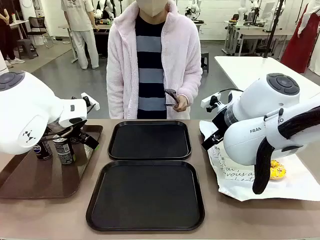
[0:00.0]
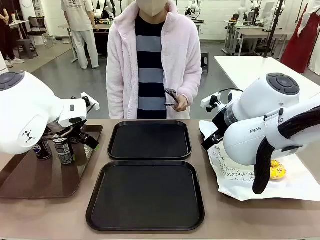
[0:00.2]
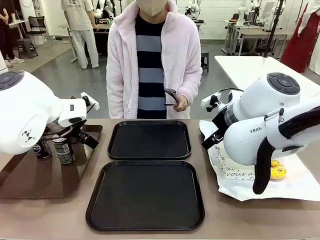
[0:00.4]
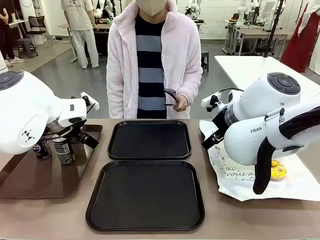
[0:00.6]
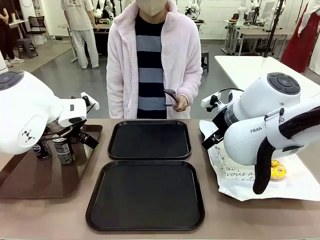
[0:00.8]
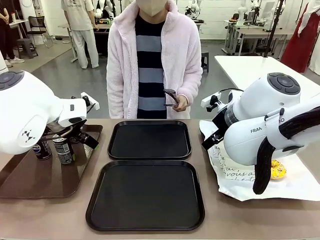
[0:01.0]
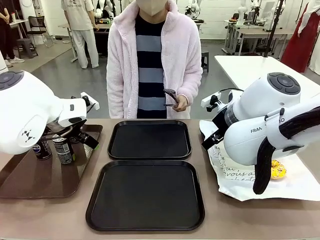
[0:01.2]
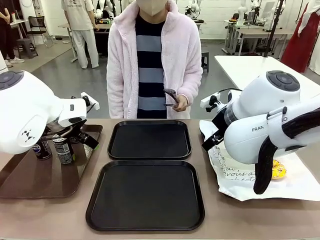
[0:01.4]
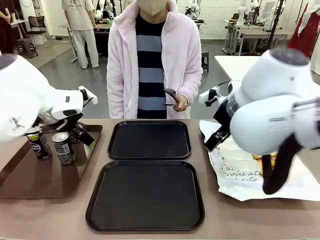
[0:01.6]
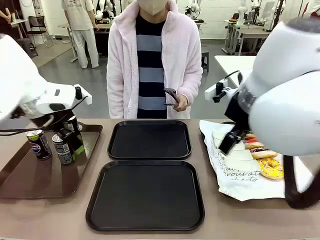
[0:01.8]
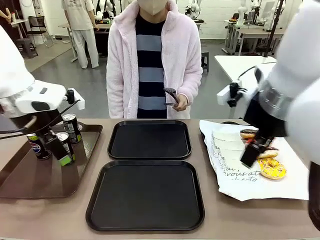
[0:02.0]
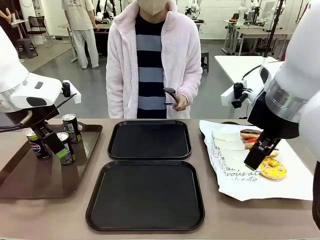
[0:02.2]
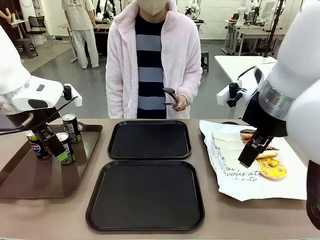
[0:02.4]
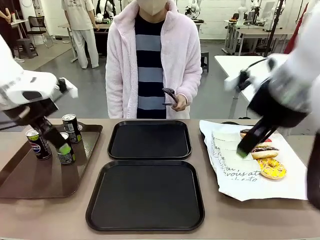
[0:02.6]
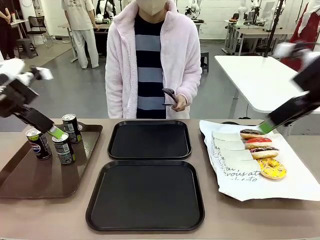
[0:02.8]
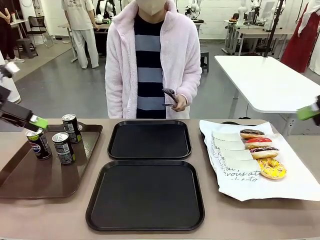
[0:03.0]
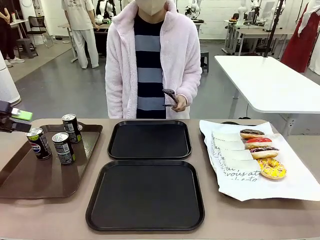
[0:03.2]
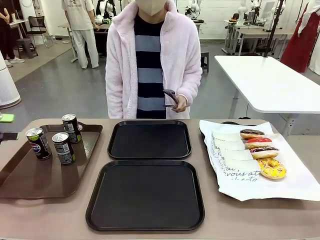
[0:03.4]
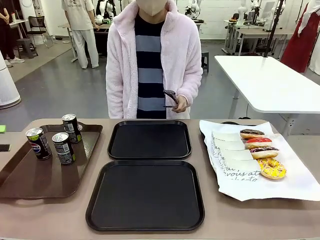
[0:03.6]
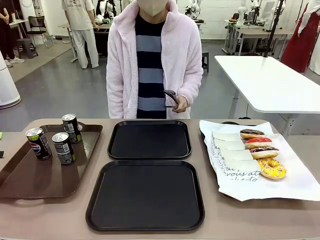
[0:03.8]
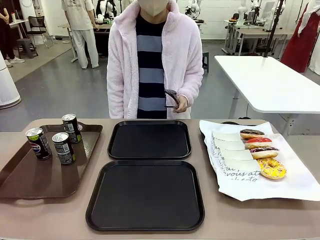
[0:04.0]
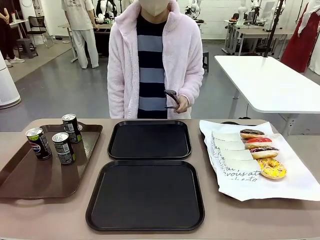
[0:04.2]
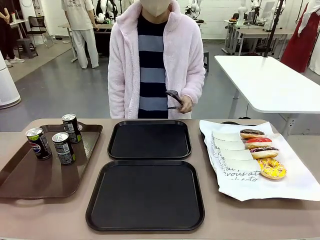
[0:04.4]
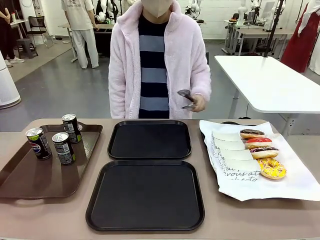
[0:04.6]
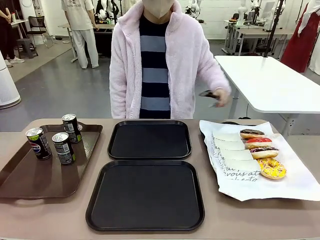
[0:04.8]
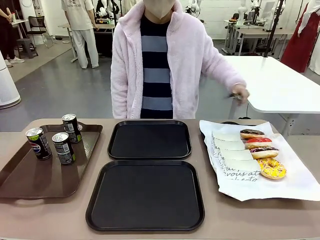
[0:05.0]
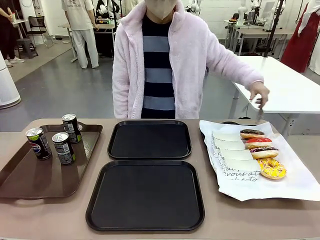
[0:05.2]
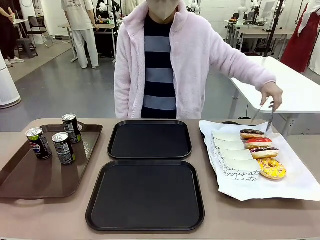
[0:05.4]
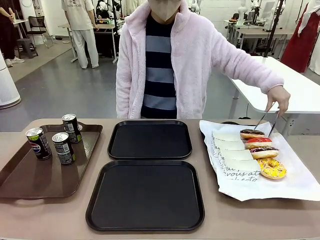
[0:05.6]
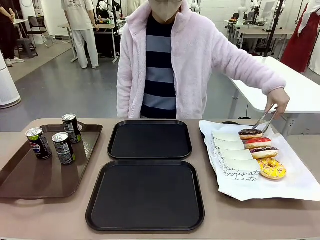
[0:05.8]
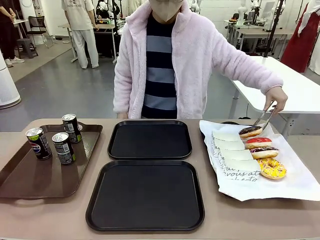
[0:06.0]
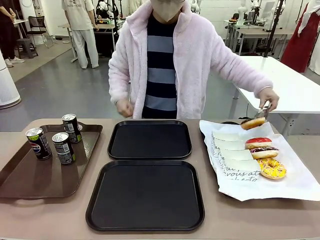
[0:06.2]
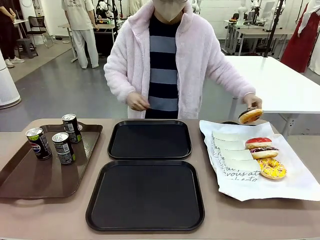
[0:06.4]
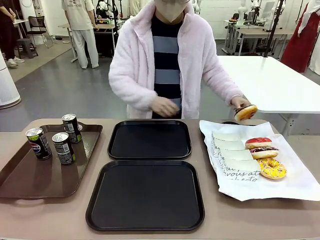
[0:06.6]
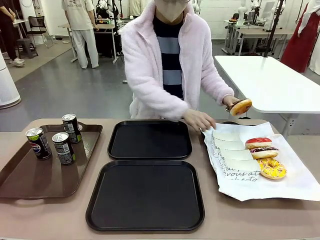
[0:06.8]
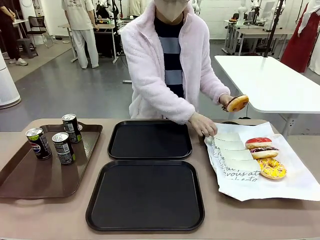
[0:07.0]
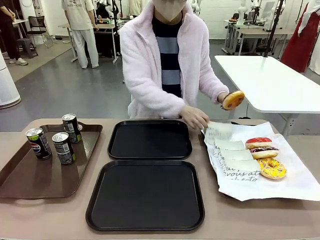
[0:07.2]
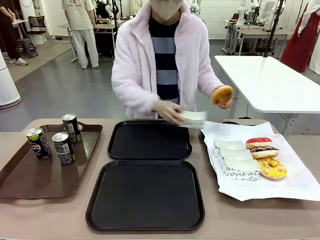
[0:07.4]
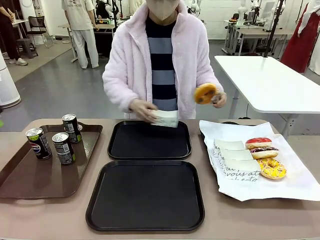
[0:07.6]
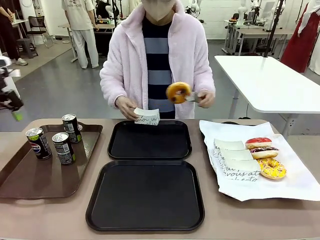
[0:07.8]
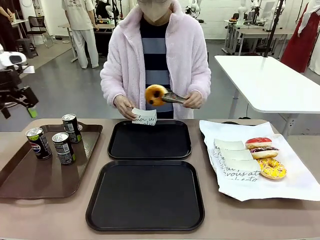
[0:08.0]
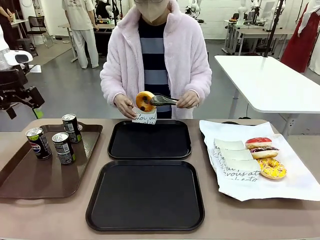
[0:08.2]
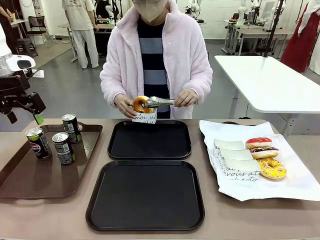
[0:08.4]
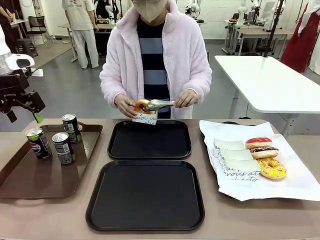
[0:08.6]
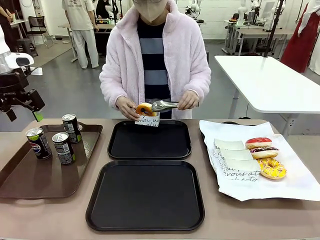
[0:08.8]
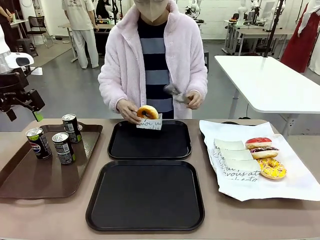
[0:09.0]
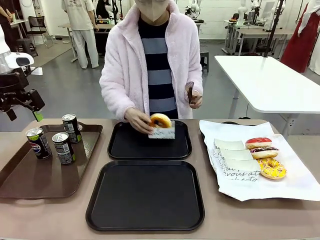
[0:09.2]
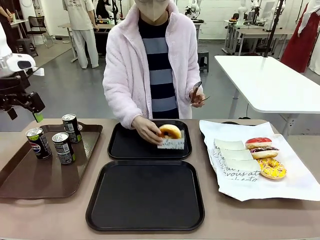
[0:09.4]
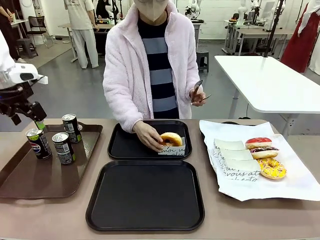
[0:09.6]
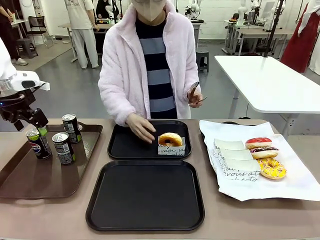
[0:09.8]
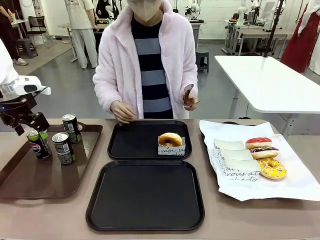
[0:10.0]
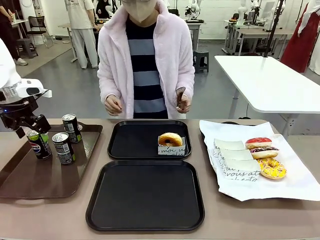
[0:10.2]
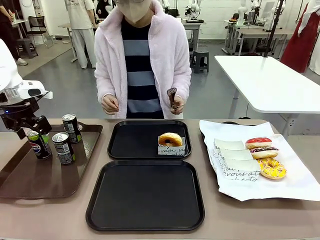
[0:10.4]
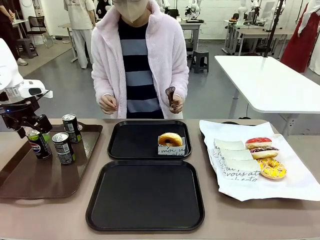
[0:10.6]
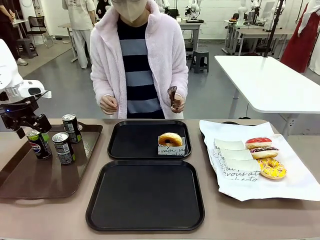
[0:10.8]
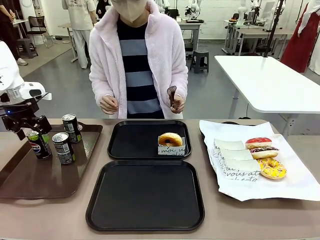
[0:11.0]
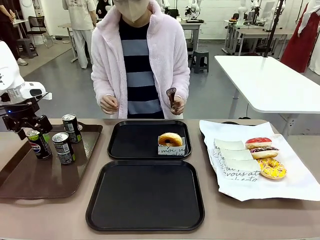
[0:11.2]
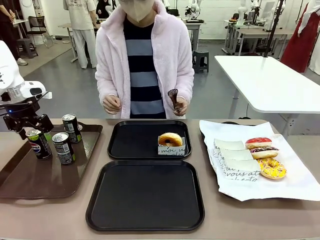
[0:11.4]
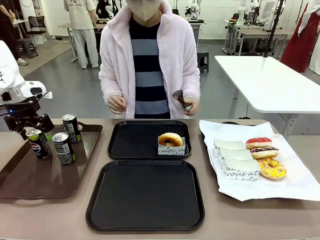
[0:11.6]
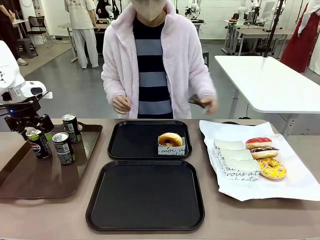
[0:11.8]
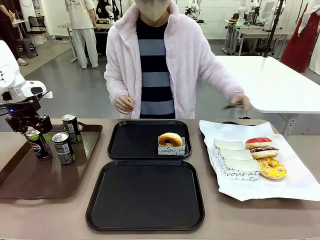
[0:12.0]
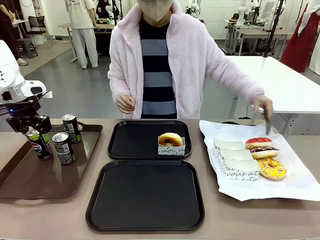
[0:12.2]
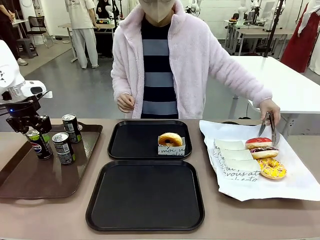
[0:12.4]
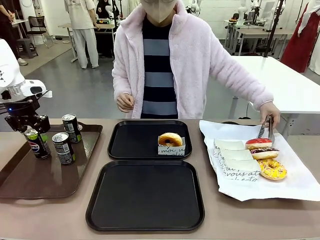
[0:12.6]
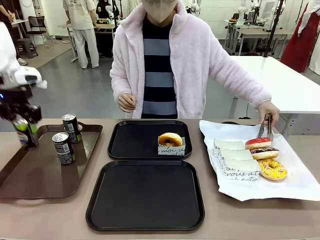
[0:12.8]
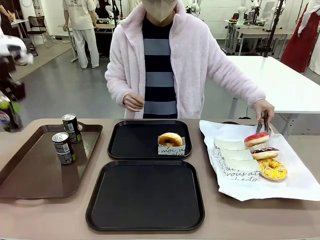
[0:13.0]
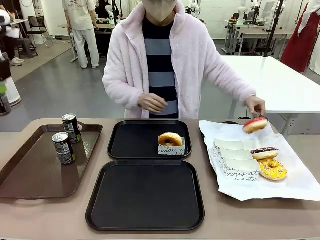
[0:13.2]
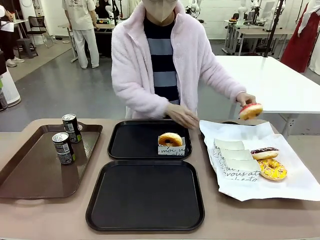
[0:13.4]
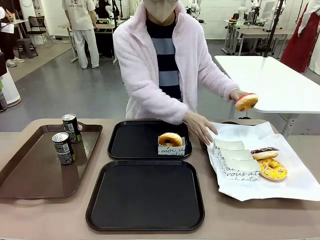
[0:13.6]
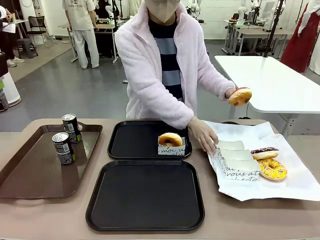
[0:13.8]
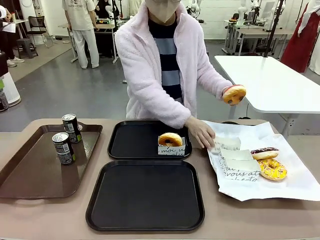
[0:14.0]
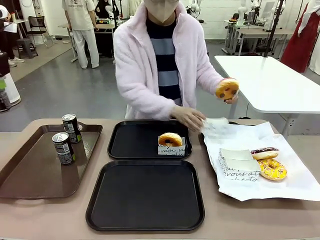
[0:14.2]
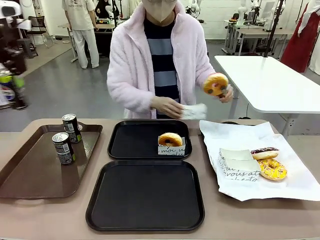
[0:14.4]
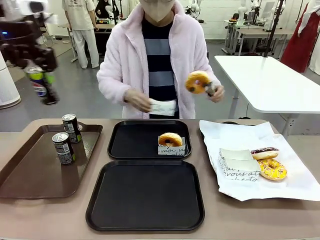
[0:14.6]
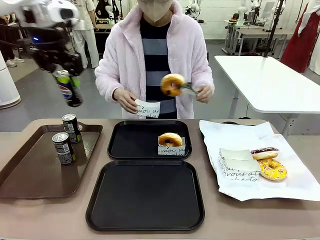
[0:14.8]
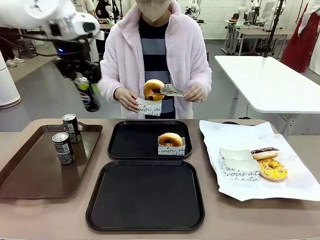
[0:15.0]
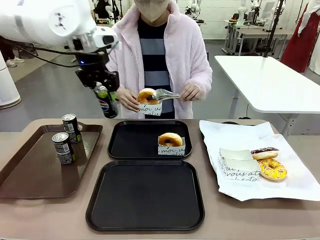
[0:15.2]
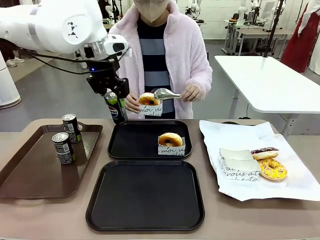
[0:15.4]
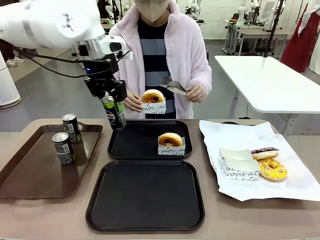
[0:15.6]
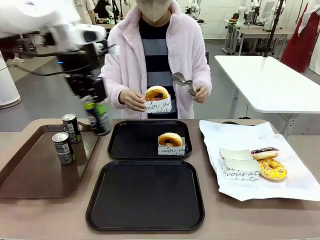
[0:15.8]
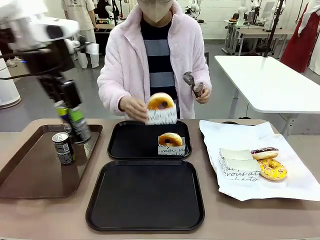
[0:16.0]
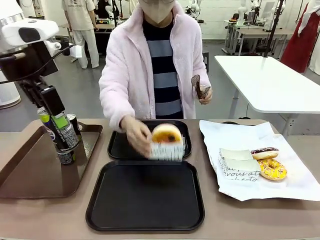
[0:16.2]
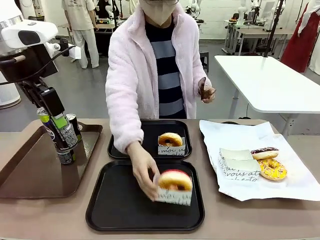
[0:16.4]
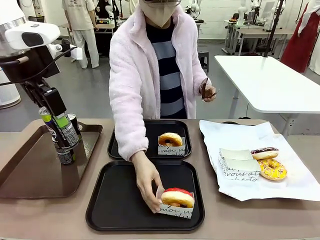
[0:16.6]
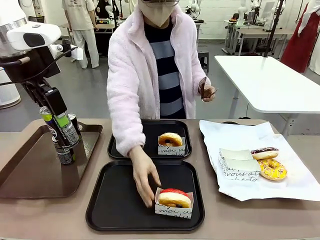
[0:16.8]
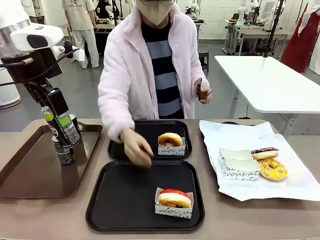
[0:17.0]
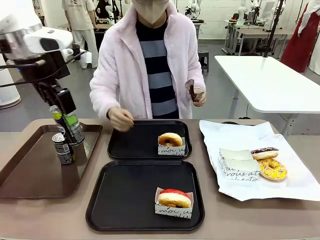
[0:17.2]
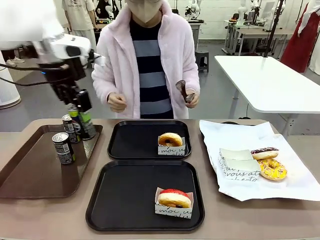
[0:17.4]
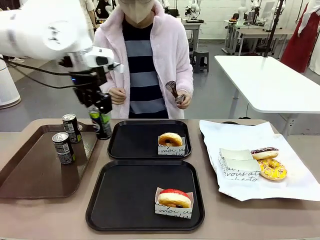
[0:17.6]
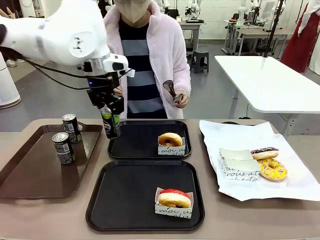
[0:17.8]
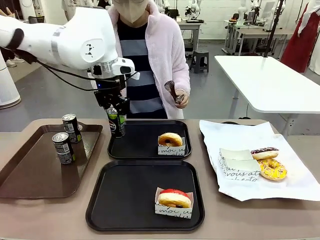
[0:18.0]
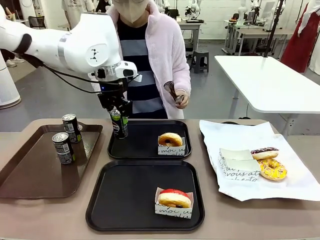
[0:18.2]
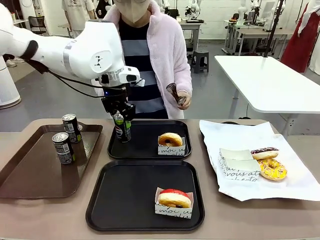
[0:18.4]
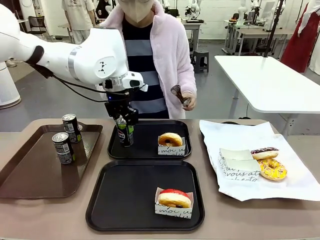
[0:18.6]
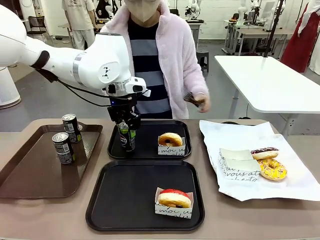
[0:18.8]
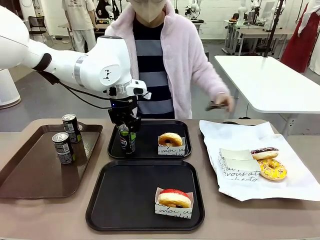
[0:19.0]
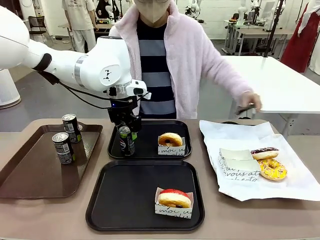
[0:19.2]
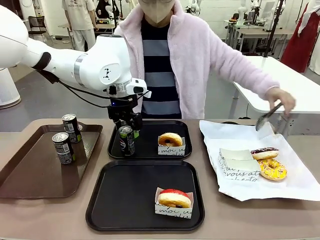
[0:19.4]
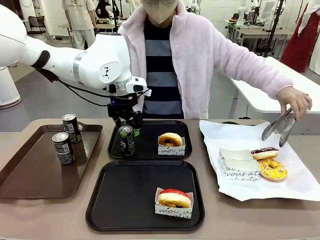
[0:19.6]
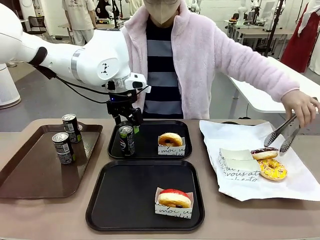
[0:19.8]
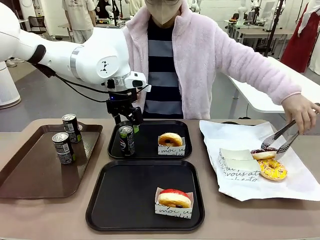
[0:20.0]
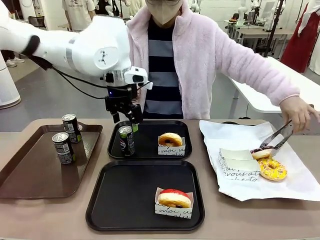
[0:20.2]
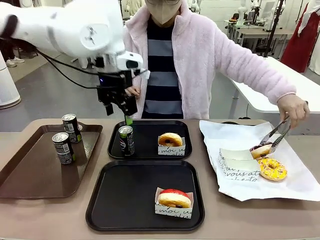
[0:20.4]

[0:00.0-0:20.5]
Task: Set up donuts and drinks on trays.
Robot: Pick up one Pepsi coke and place it on the Flat Tray.
Person: Pick up one donut with tongs, place it in the donut tray, and then place the donut tray on the flat tray.
